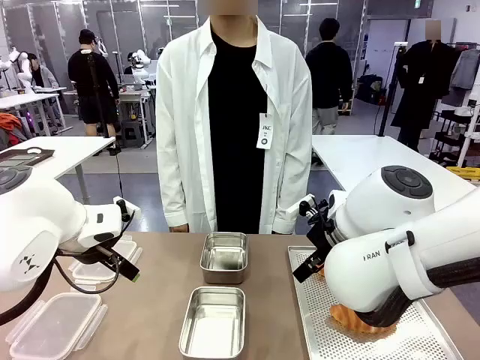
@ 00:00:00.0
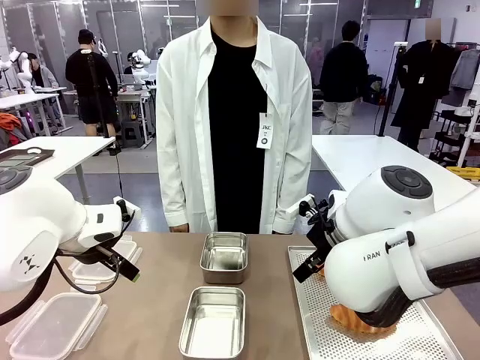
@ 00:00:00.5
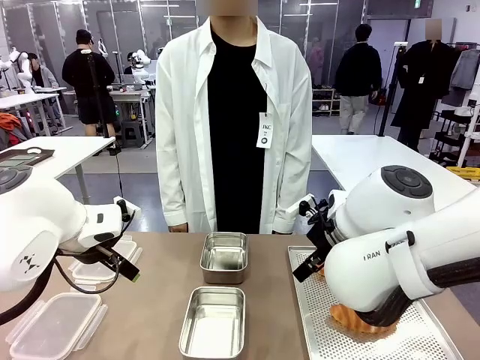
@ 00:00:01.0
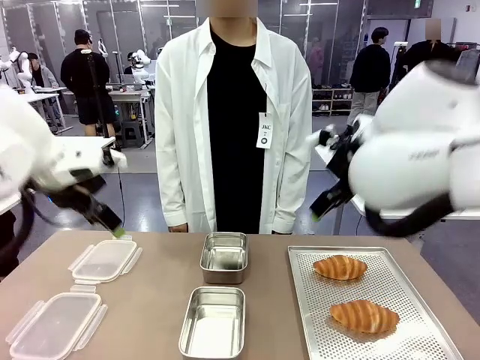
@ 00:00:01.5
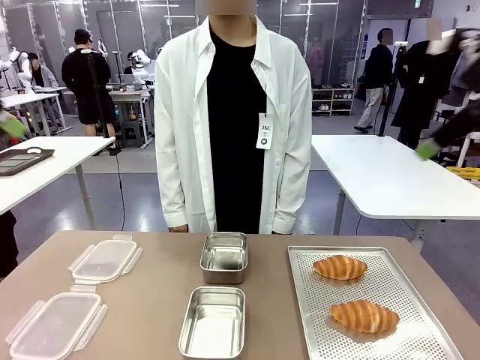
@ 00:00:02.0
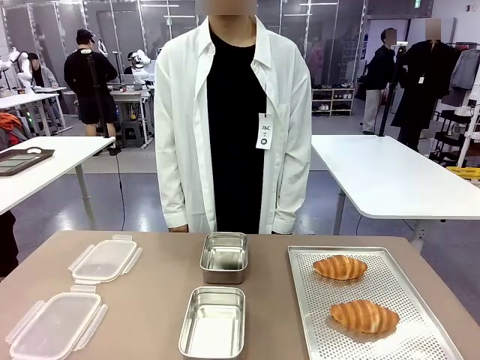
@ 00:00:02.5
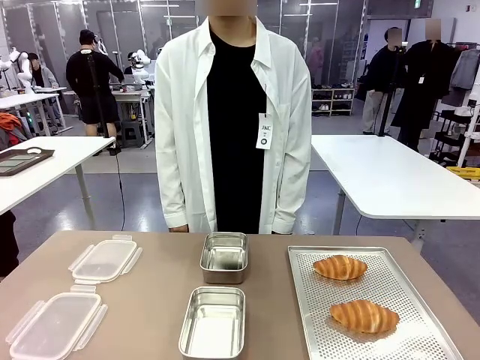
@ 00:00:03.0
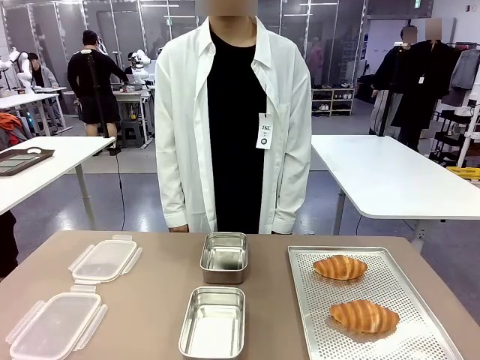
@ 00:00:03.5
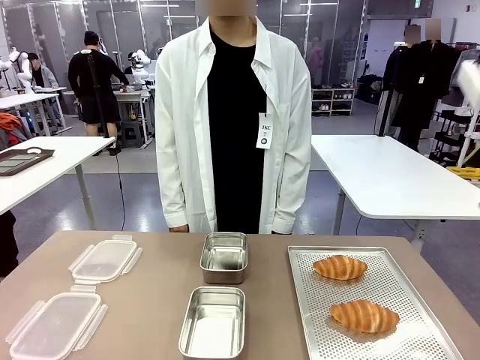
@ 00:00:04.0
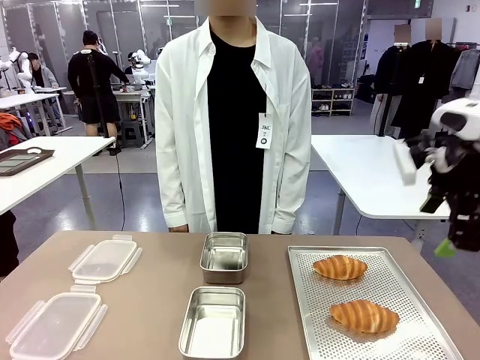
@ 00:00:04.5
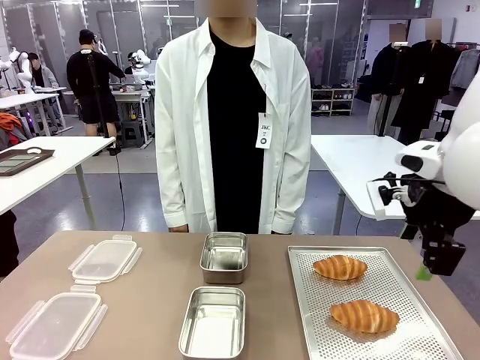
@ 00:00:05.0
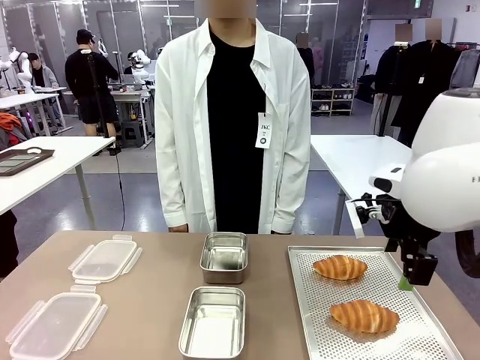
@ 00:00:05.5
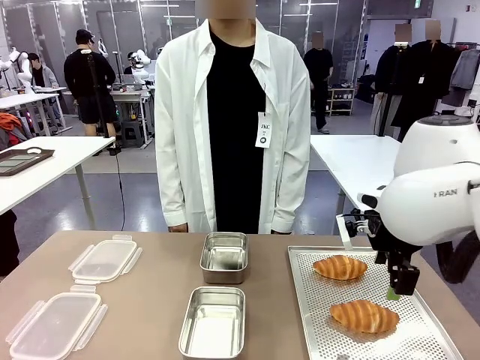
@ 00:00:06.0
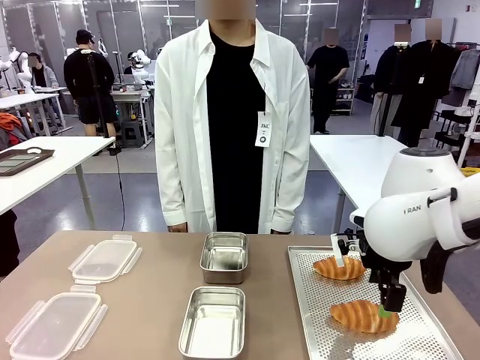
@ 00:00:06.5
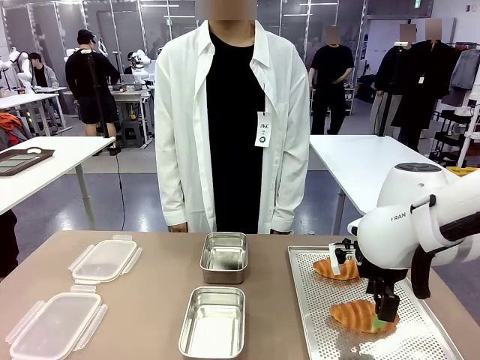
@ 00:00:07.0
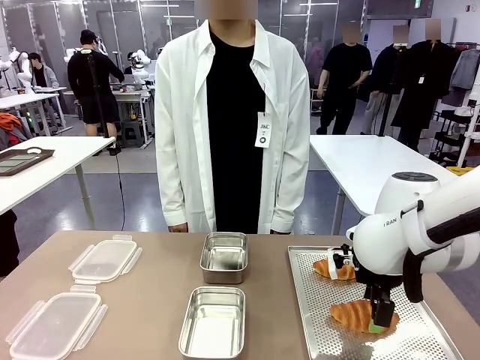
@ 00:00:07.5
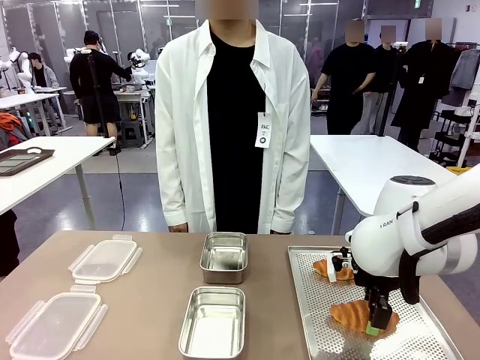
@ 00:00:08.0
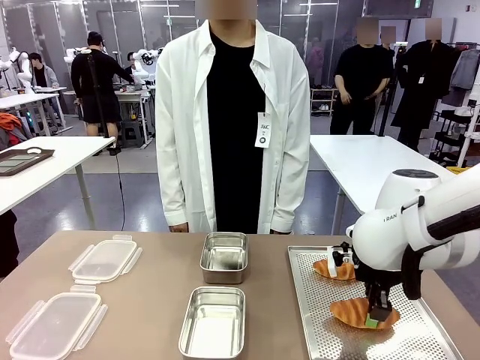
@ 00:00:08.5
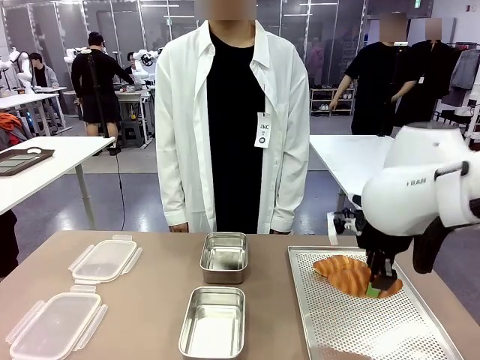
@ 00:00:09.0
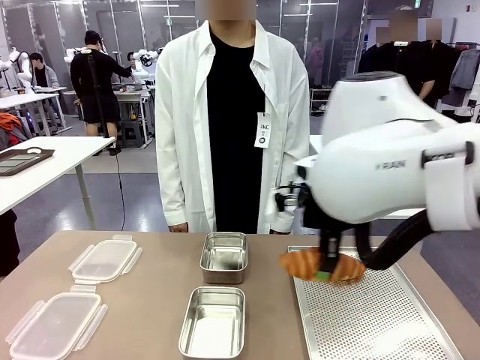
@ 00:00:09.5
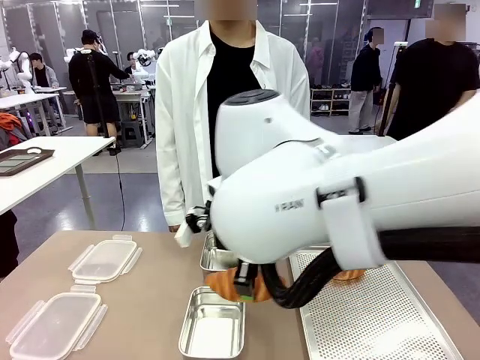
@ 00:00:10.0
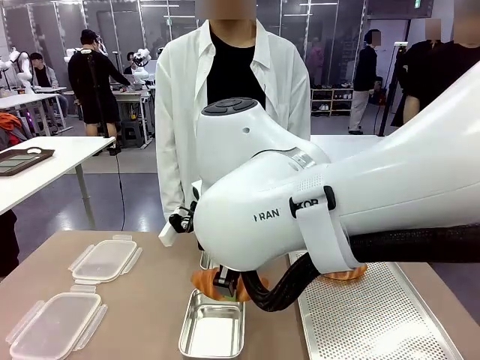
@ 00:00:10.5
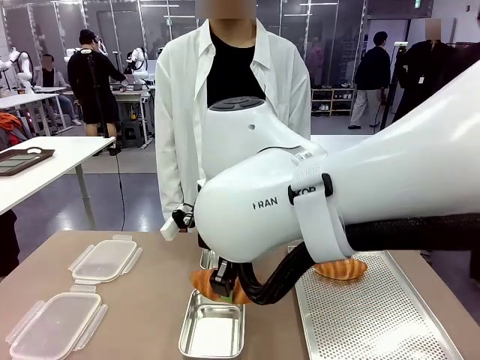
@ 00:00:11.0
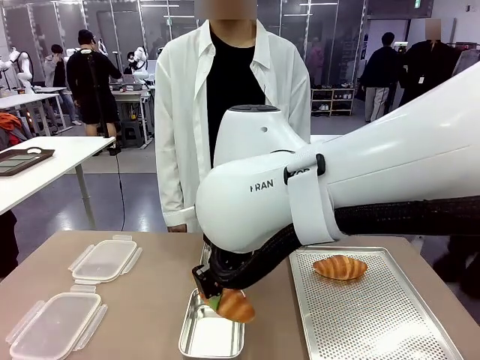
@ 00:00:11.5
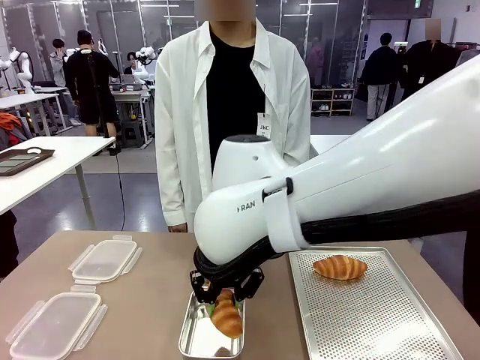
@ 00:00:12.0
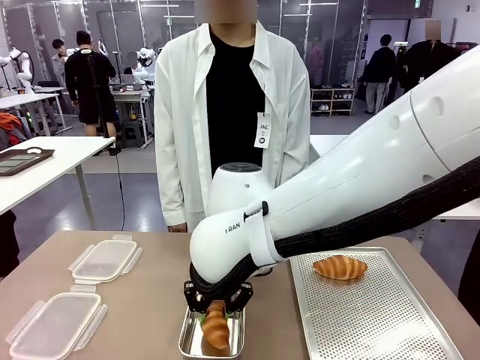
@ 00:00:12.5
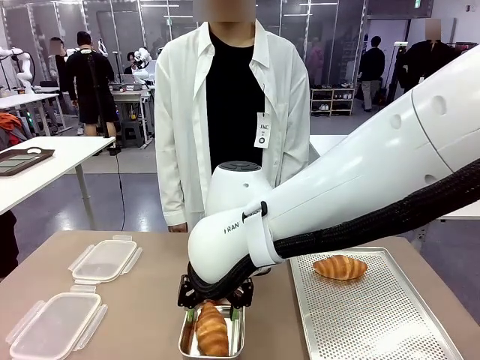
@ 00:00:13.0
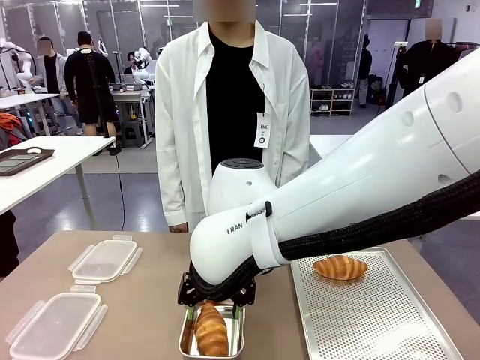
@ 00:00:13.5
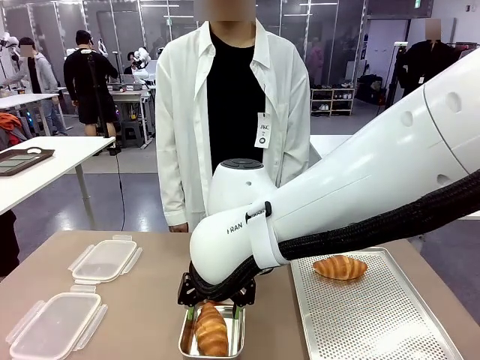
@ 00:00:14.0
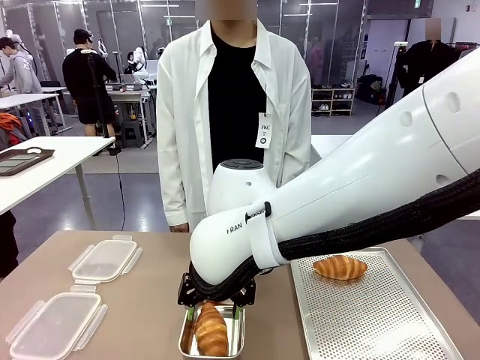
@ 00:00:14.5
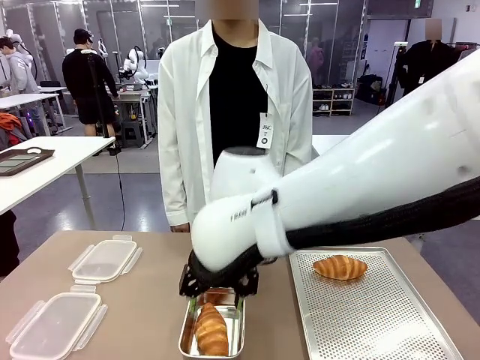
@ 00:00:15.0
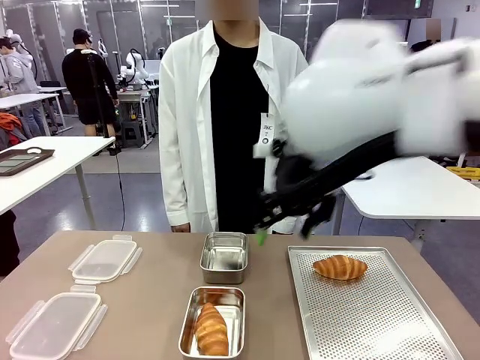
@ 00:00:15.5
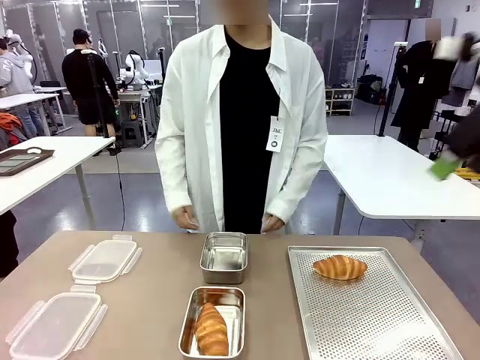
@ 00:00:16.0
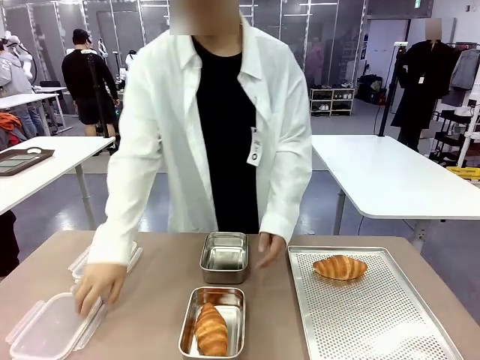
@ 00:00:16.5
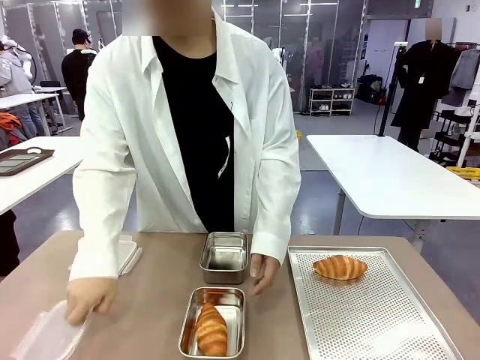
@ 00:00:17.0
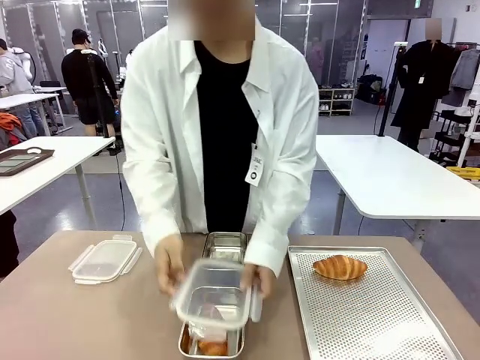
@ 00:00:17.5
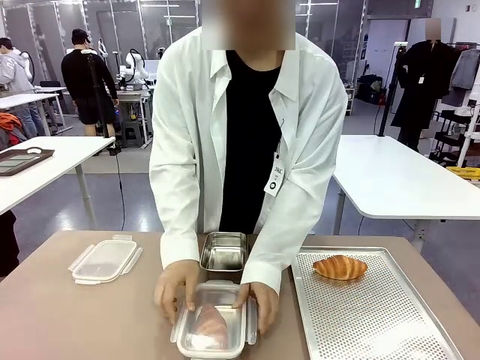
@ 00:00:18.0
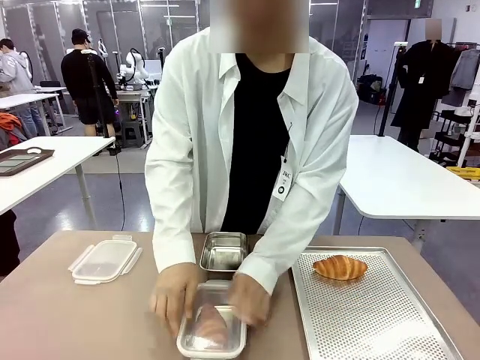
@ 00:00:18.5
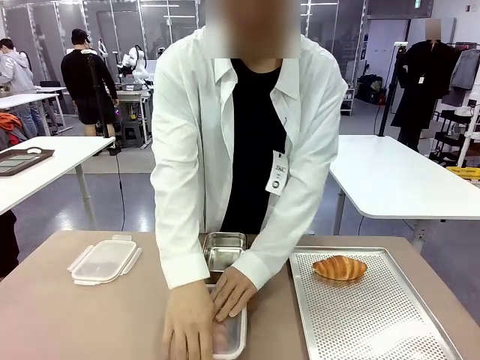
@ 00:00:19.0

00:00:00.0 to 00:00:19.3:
Task: Place the bread into the airtight container.
Robot: Pick up a Butter Roll and place it into an empty Airtight Container.

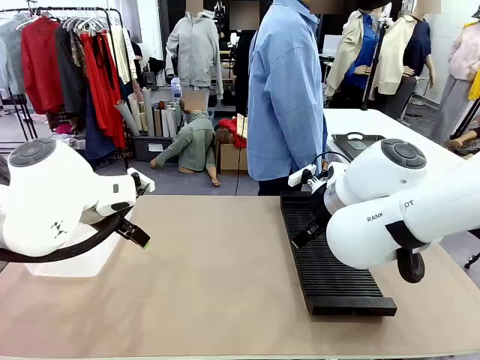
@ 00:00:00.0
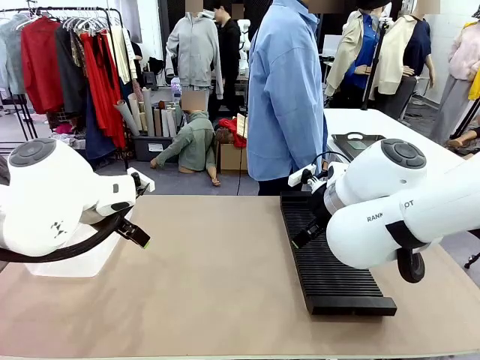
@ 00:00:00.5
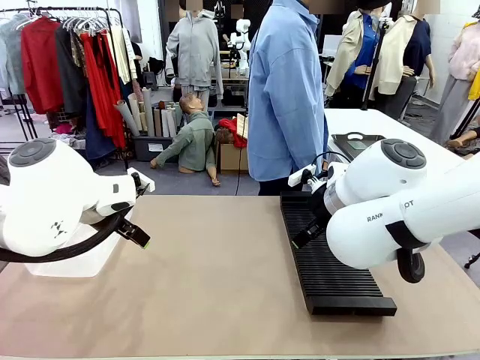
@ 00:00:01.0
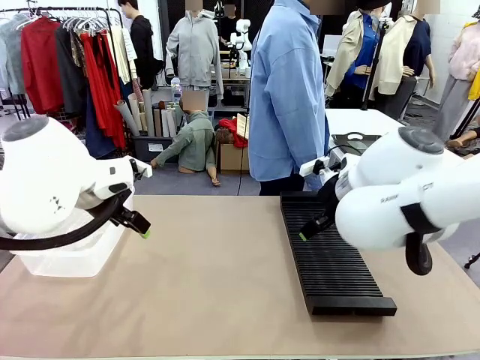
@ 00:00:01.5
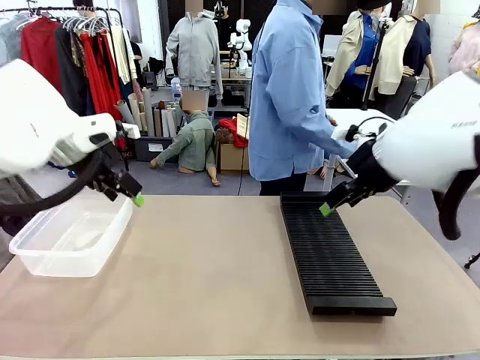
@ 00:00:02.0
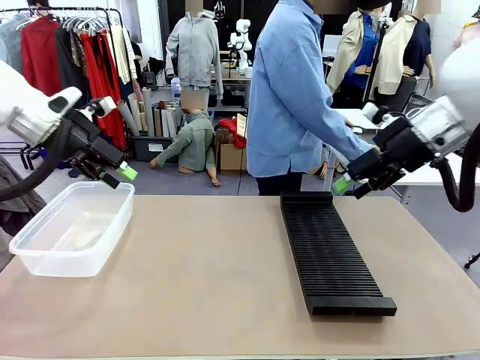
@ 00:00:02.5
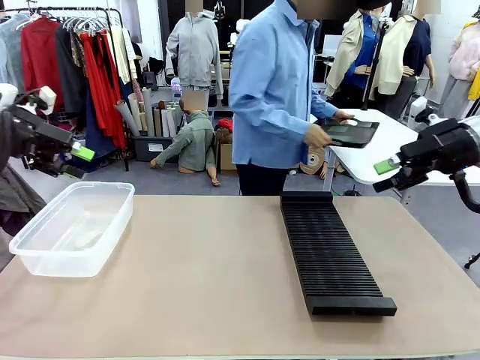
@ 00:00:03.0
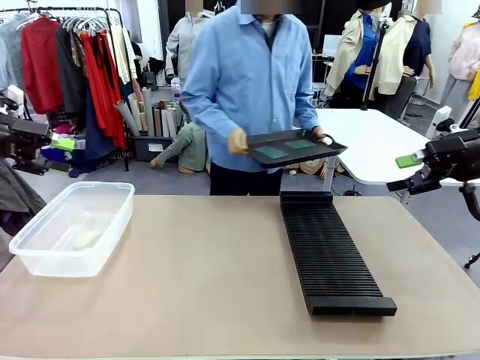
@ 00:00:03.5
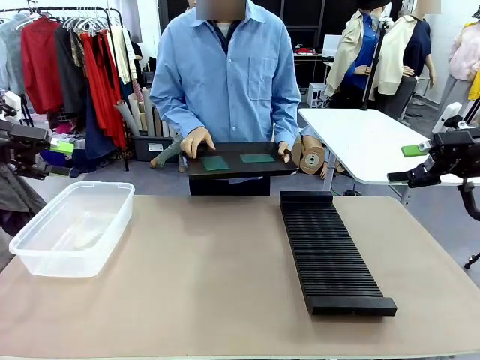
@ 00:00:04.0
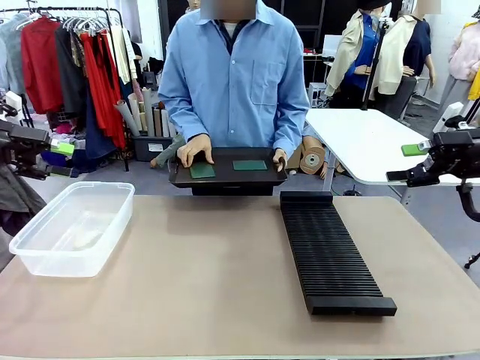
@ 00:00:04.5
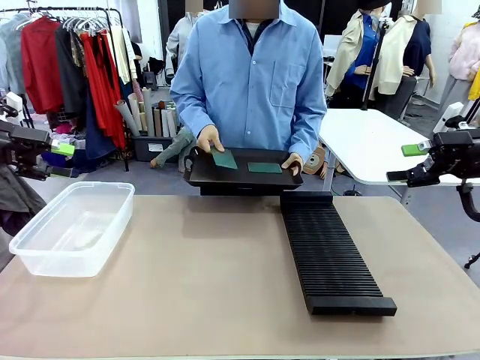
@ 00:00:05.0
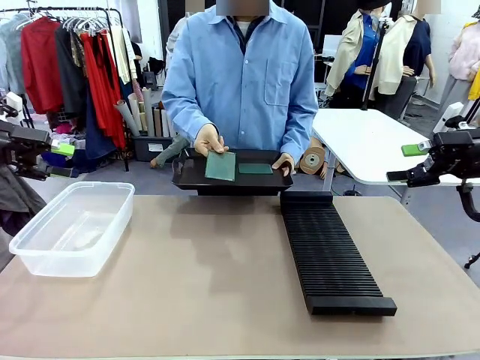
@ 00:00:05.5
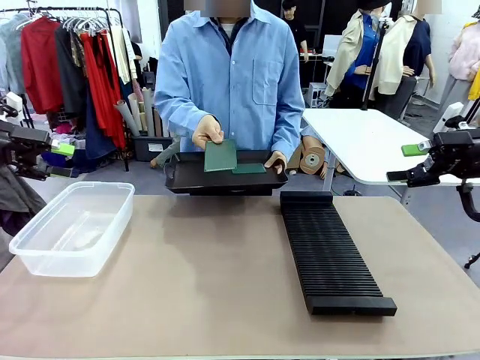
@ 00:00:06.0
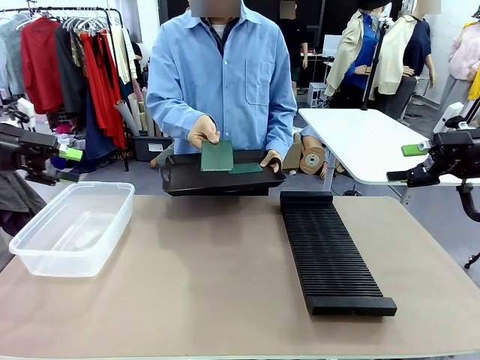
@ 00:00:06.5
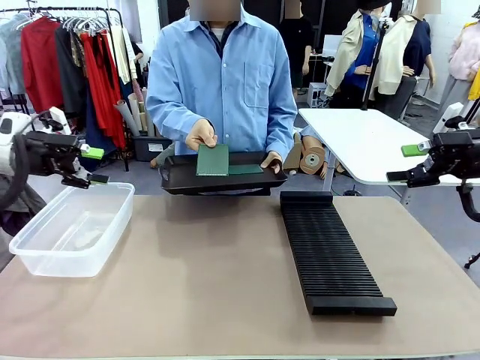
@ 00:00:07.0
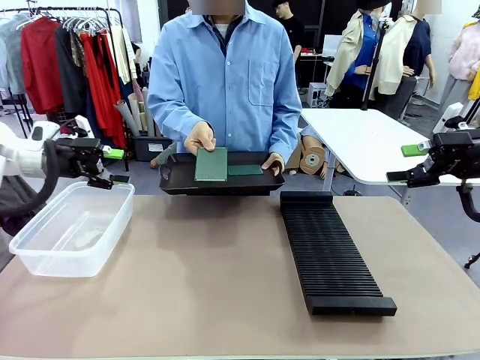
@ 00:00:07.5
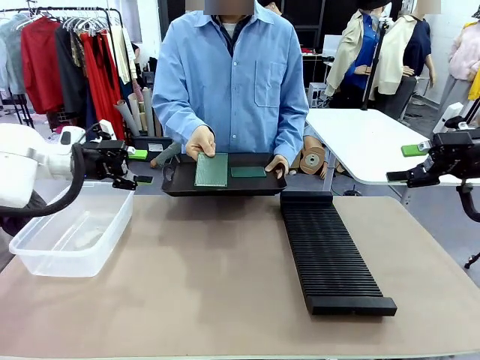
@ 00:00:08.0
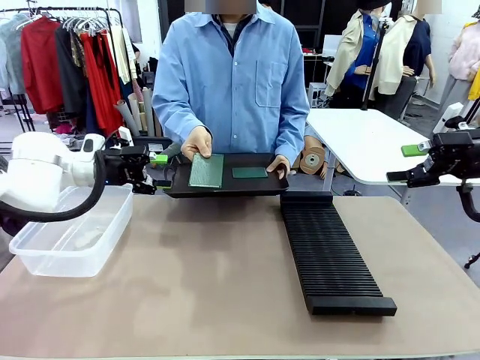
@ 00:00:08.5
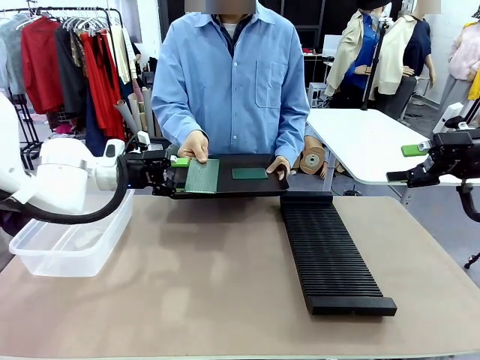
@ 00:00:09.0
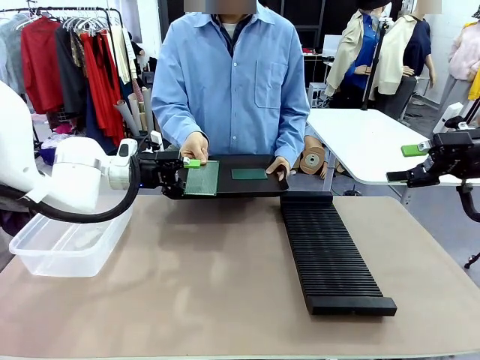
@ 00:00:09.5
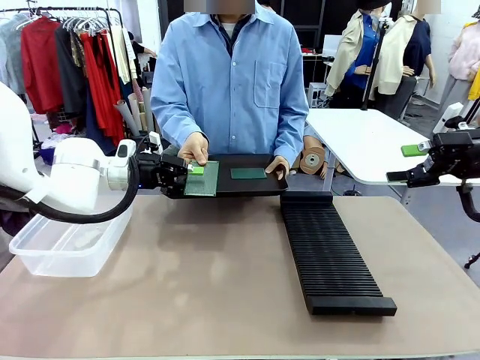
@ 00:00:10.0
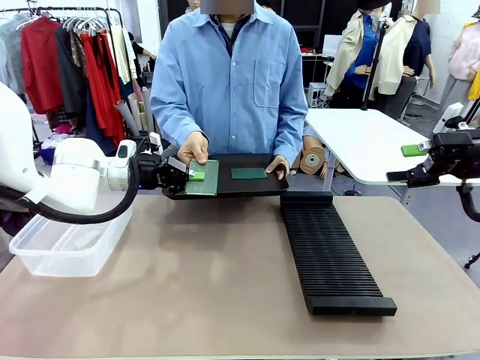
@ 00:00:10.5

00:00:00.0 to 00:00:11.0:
Task: Sort PCBs into racks and boxes based on the side picked up.
Robot: Pick up the Blank PCB handed by the Human.
Person: Pick one PCB from the tray and present it to the robot. Release the PCB being held.
